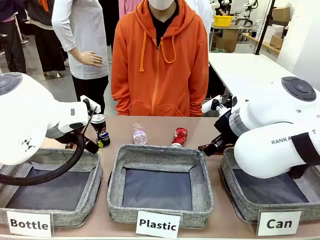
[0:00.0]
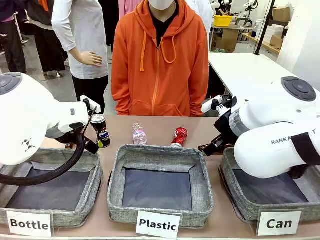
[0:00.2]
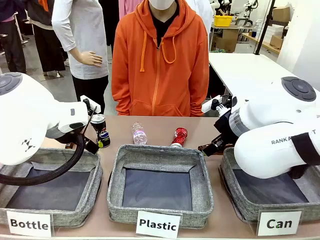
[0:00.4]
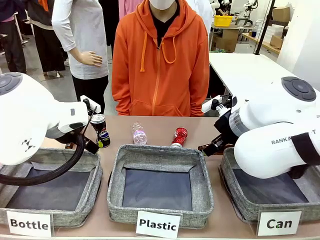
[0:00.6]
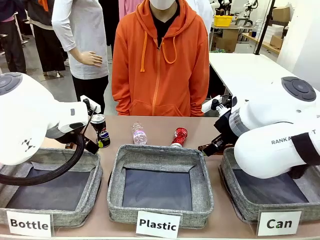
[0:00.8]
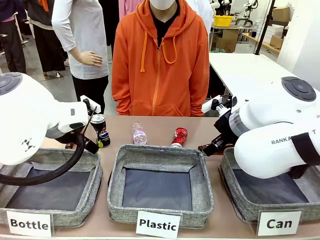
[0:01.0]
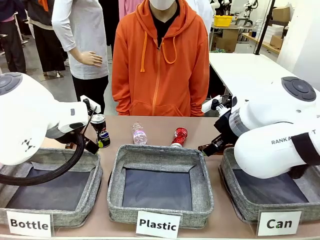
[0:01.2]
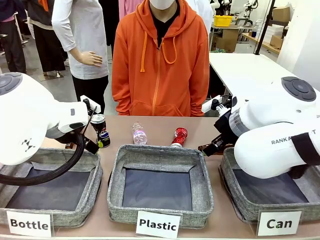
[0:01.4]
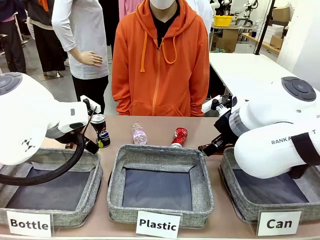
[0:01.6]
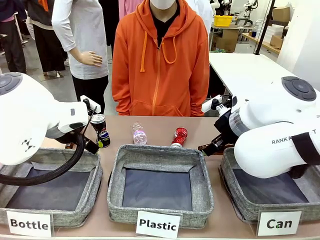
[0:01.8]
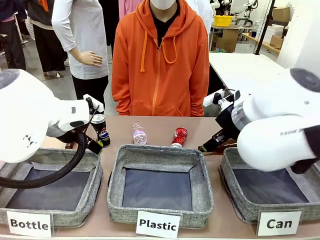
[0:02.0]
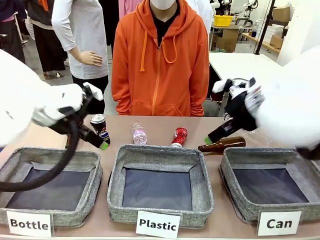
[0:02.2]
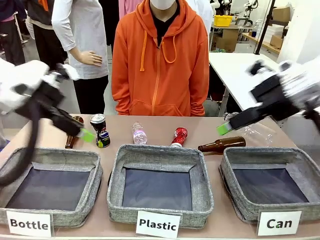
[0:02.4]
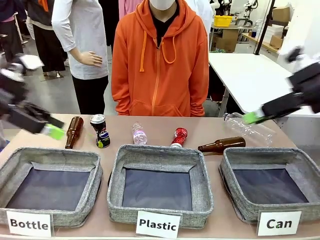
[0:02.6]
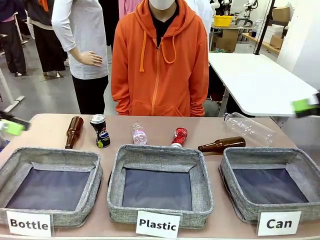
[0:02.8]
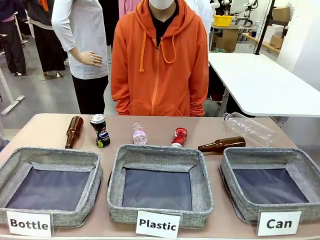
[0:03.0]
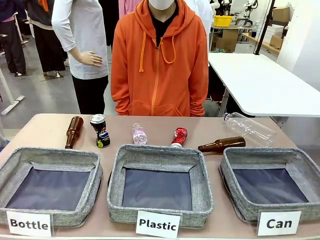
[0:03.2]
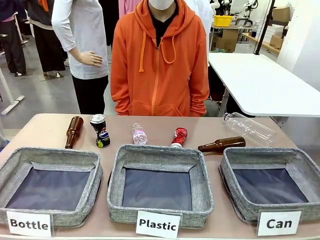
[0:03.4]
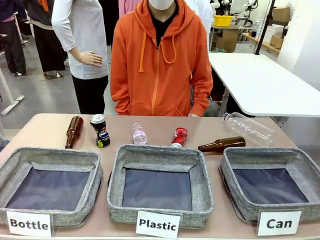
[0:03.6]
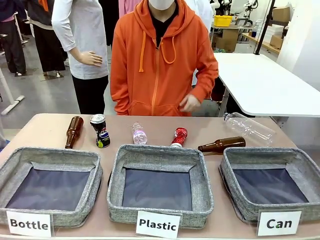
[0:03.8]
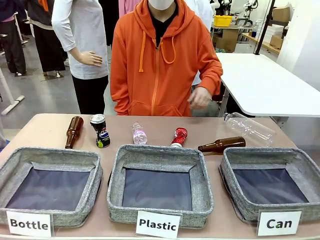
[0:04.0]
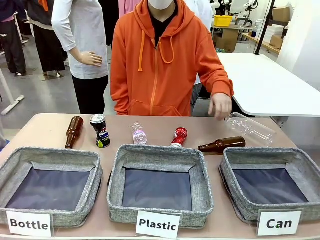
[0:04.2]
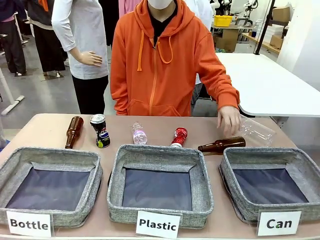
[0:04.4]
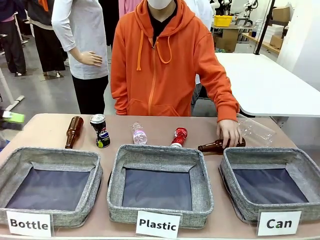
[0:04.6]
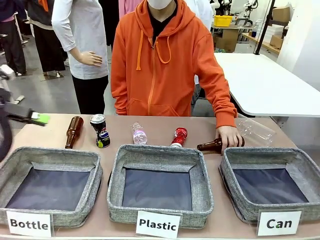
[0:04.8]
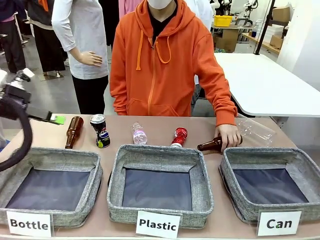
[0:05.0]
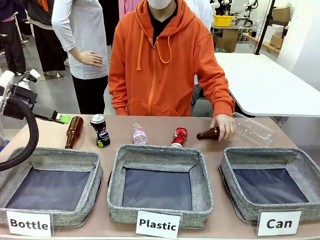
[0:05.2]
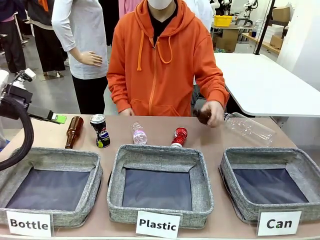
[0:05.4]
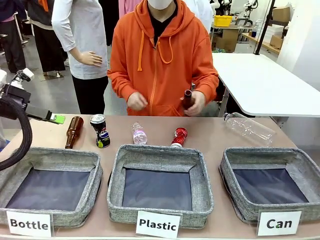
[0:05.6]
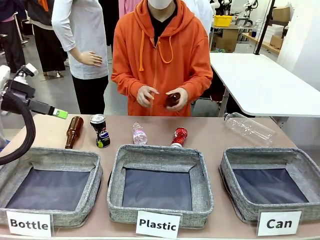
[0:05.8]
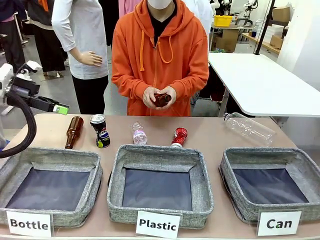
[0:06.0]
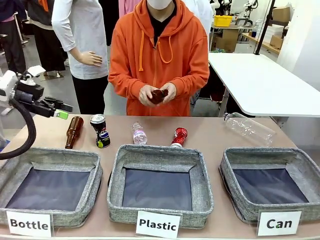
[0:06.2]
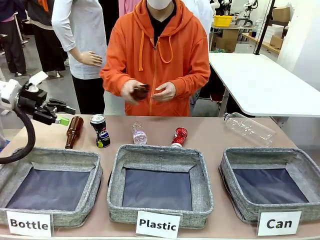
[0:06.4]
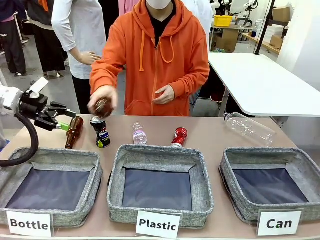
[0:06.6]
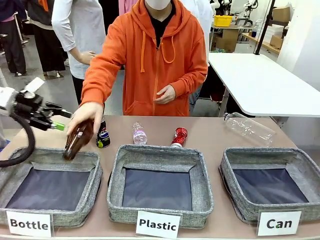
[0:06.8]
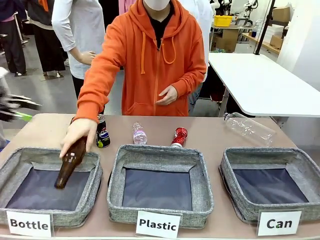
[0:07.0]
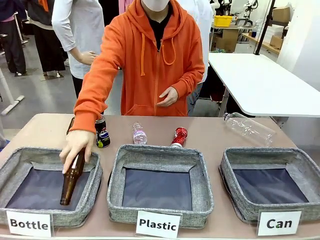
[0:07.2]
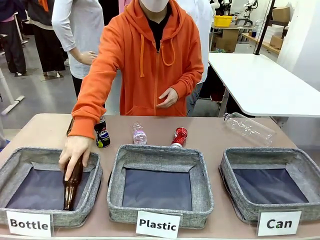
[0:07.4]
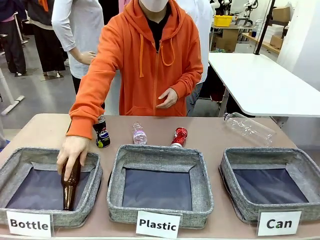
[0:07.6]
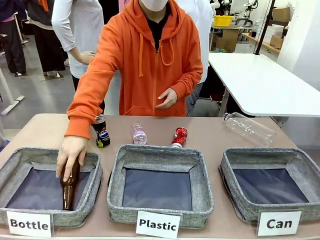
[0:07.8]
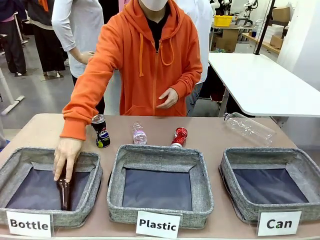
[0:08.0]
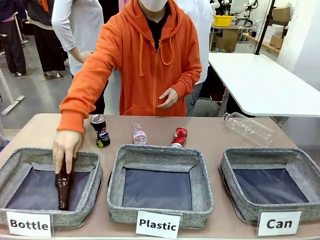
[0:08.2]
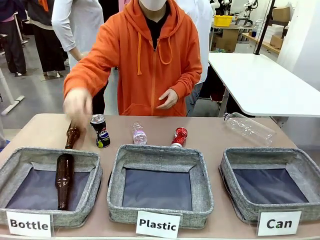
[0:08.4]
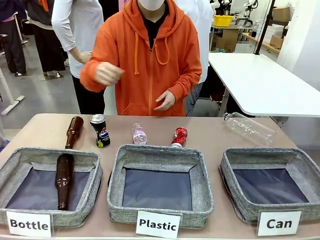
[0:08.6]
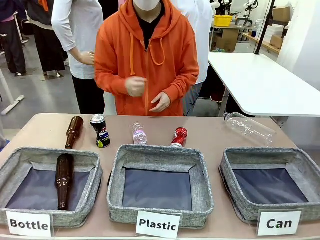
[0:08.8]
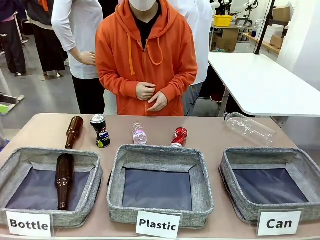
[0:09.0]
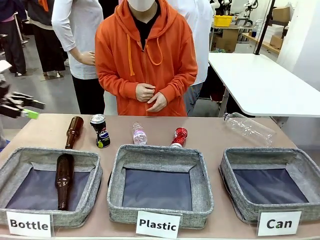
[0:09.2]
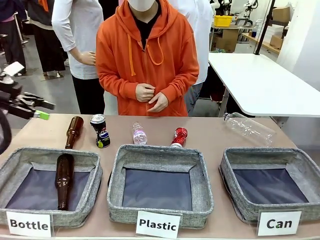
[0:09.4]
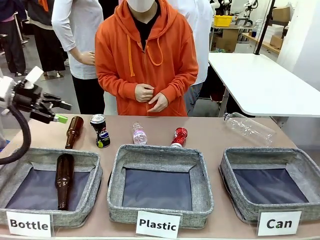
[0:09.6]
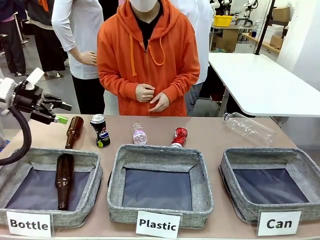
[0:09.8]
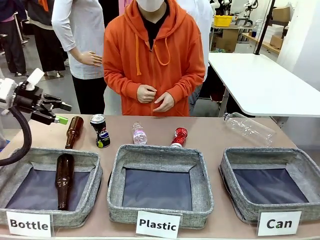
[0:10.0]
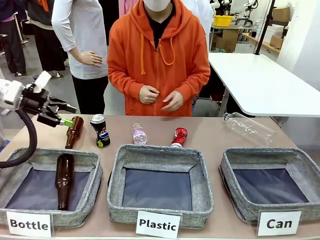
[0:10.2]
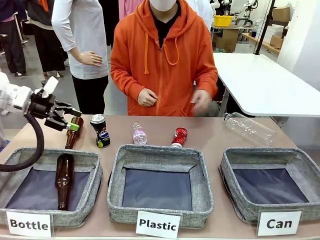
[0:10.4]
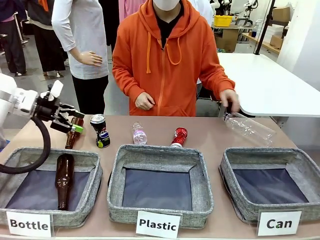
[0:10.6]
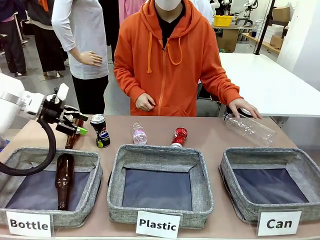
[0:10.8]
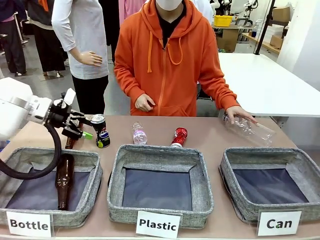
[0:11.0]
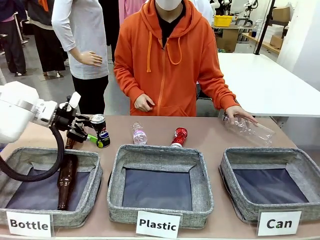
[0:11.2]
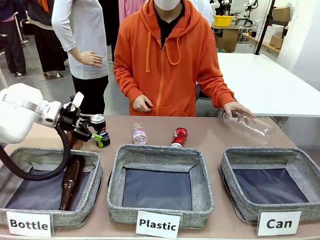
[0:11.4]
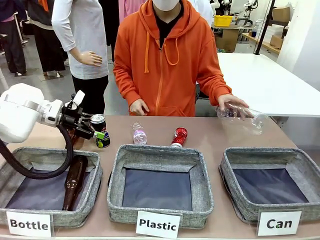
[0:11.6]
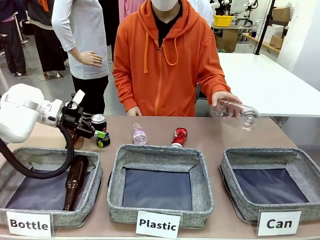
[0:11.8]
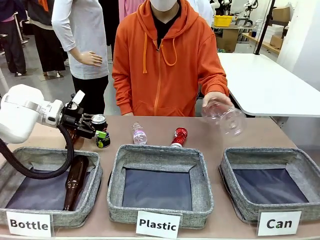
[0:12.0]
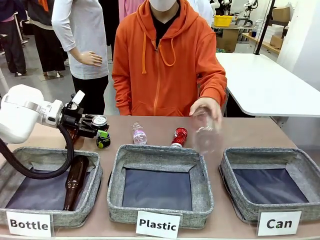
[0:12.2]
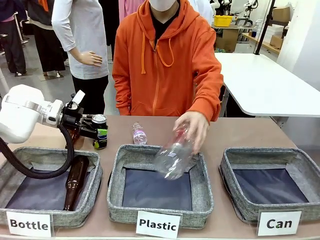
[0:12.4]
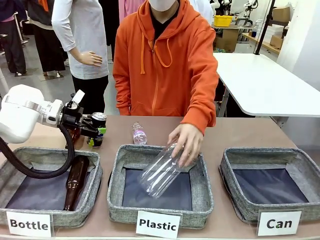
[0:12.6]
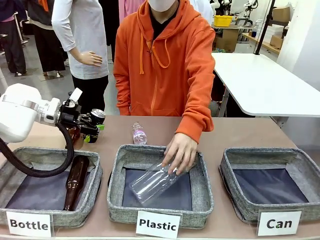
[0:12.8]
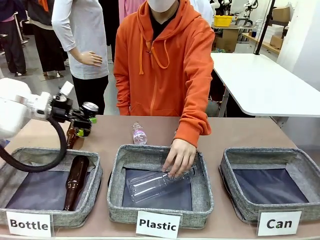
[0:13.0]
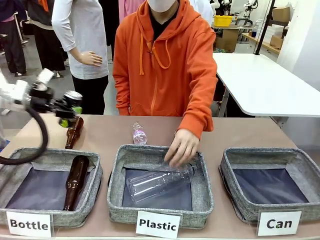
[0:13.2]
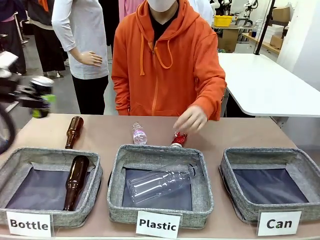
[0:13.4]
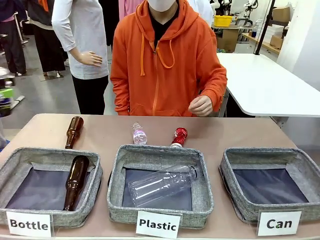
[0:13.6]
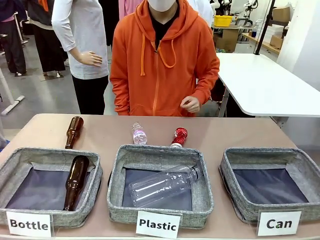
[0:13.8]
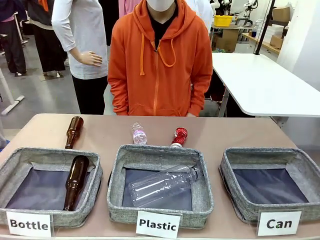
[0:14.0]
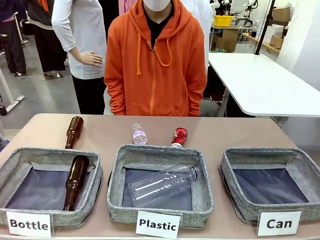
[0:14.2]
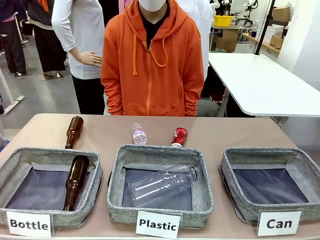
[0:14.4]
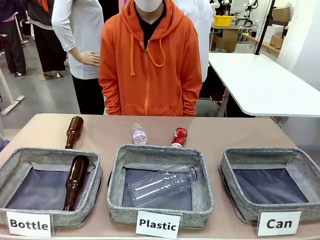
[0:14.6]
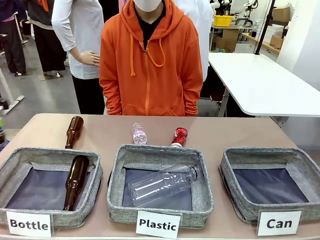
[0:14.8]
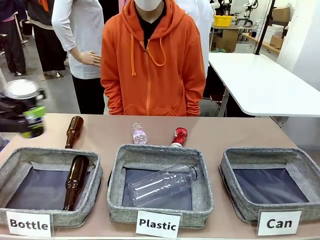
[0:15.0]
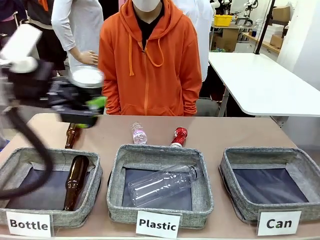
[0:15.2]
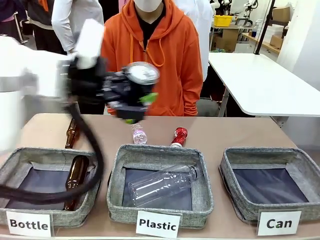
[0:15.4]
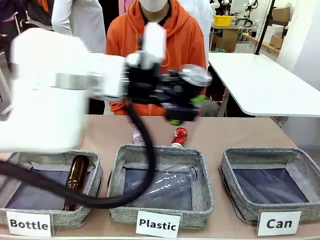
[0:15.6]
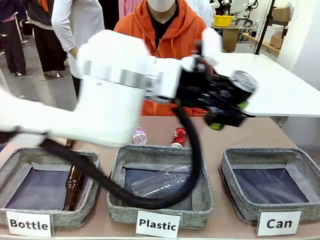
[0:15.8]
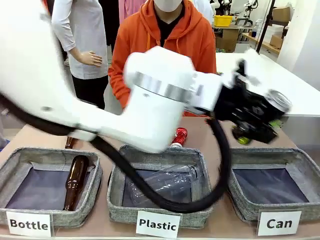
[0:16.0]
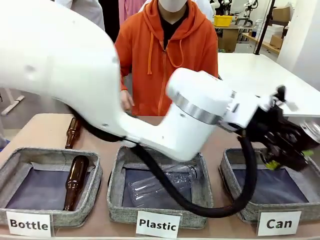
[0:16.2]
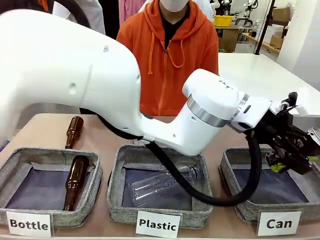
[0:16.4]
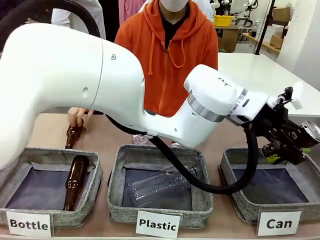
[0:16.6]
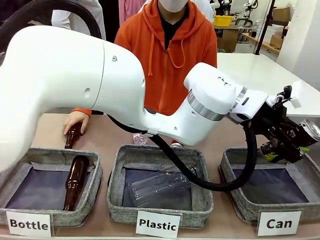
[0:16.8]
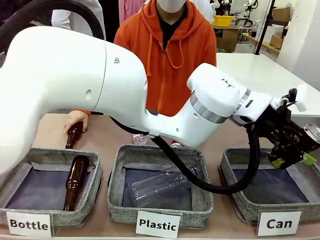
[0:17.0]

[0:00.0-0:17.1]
Task: Sort the can waste into the basket.
Robot: Pick up the can waste from the table and place it in the right Fabric basket.
